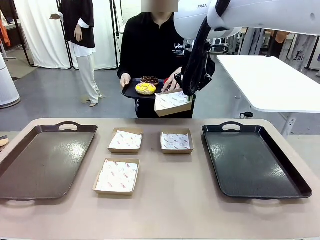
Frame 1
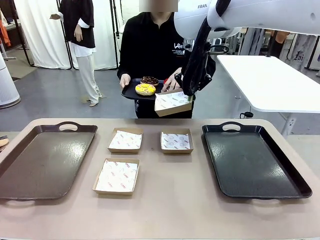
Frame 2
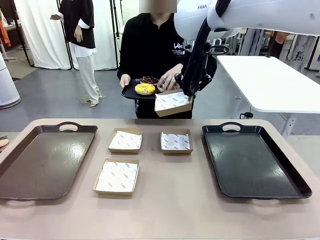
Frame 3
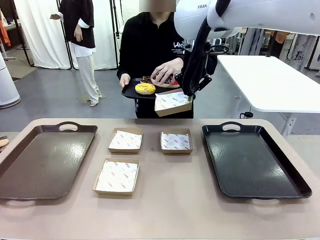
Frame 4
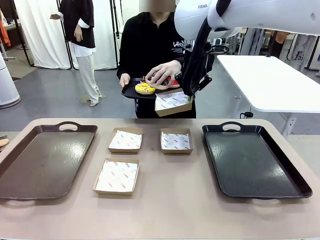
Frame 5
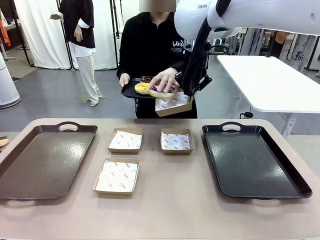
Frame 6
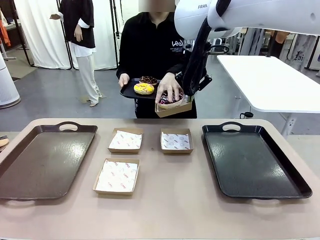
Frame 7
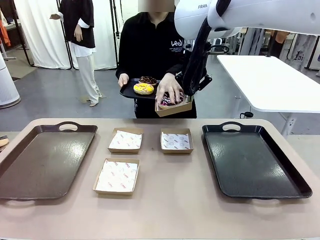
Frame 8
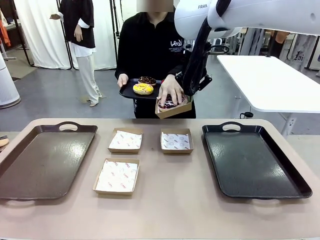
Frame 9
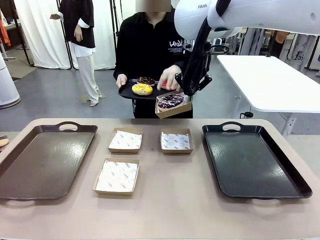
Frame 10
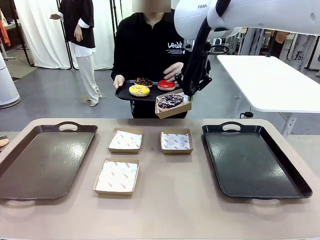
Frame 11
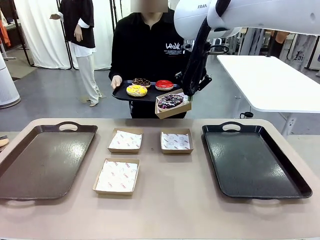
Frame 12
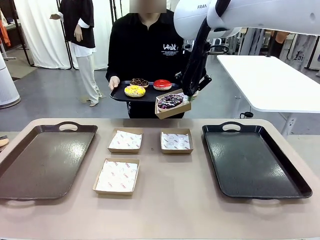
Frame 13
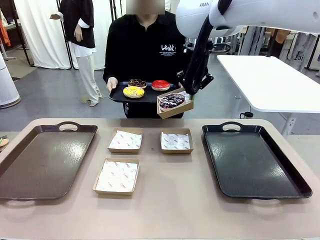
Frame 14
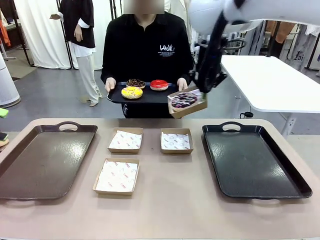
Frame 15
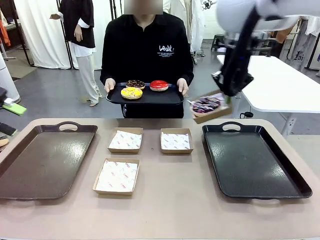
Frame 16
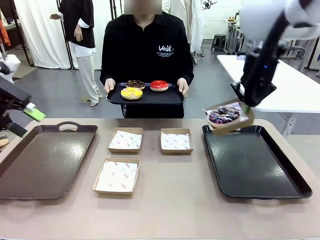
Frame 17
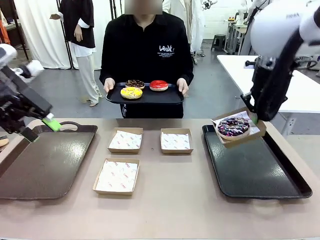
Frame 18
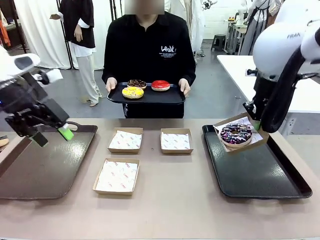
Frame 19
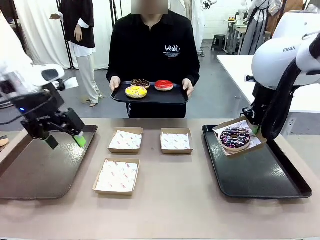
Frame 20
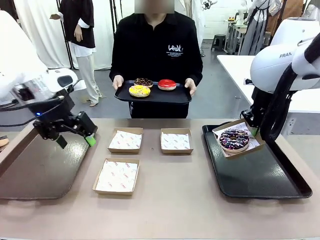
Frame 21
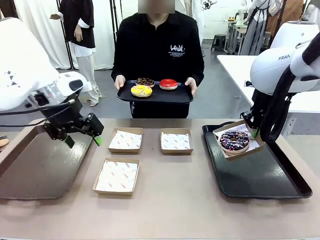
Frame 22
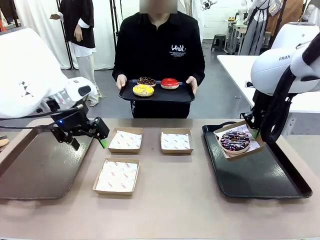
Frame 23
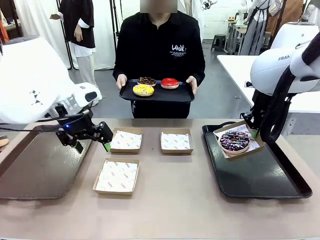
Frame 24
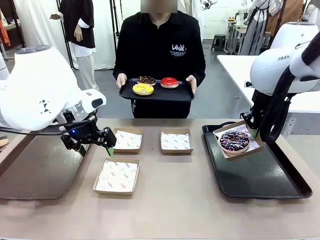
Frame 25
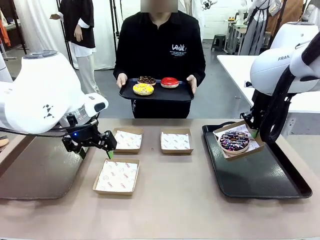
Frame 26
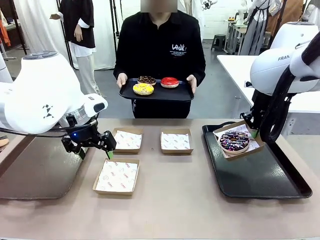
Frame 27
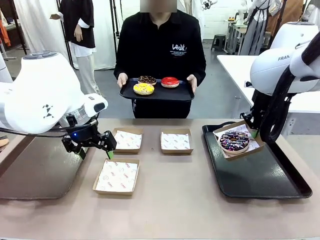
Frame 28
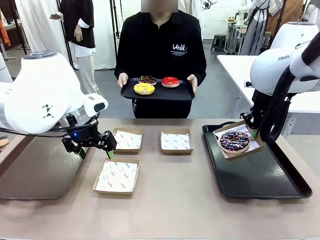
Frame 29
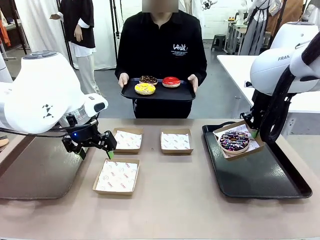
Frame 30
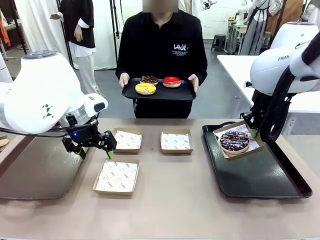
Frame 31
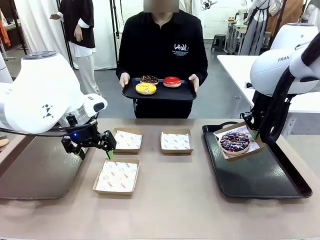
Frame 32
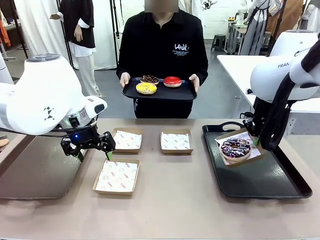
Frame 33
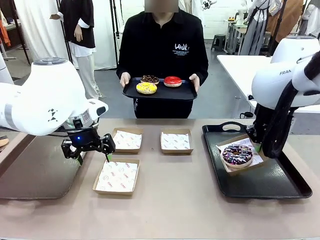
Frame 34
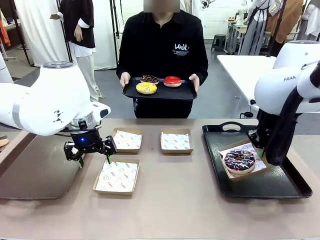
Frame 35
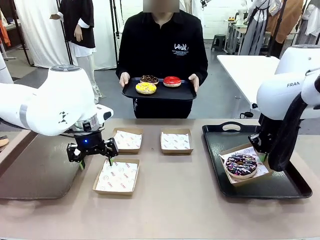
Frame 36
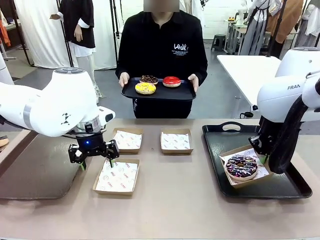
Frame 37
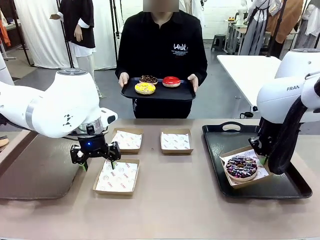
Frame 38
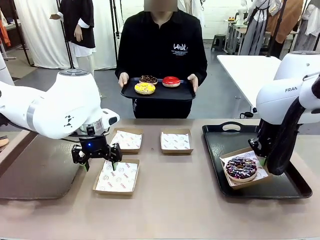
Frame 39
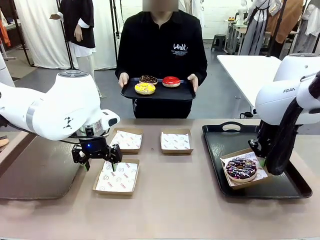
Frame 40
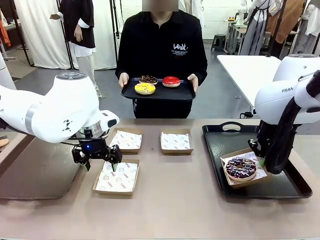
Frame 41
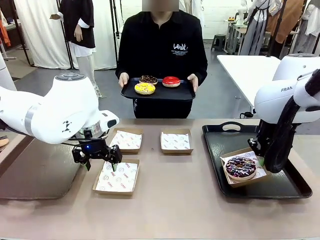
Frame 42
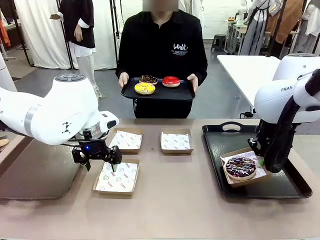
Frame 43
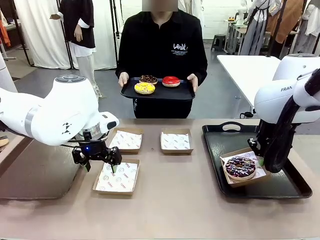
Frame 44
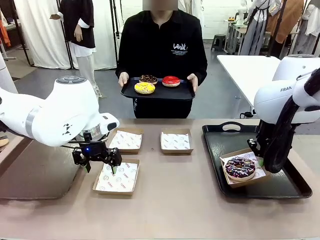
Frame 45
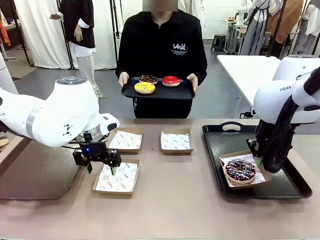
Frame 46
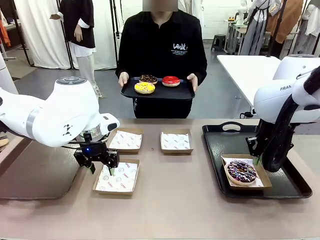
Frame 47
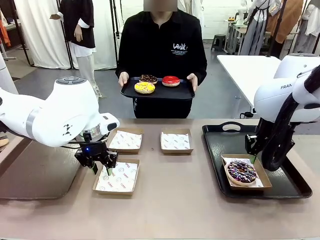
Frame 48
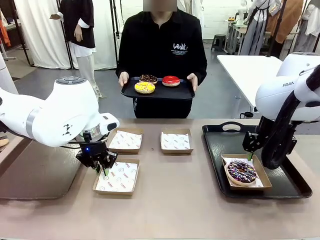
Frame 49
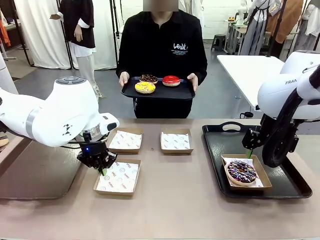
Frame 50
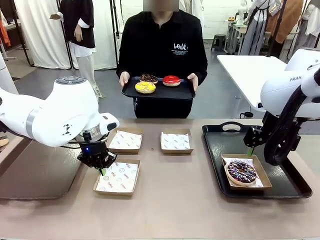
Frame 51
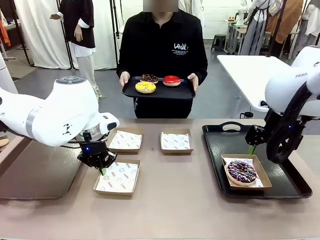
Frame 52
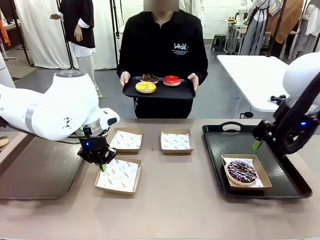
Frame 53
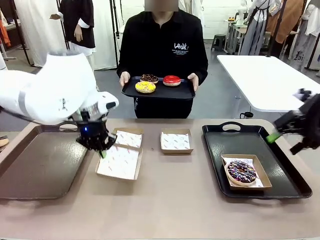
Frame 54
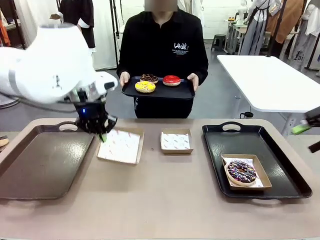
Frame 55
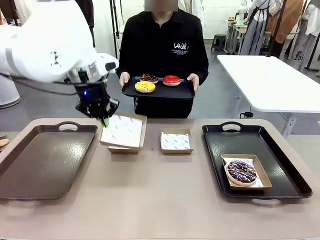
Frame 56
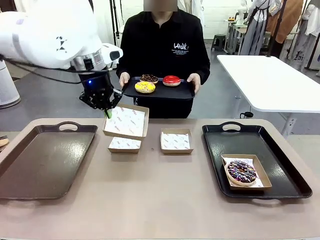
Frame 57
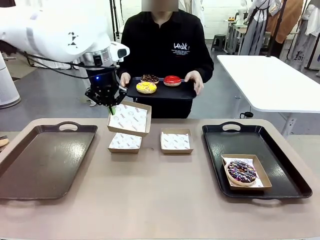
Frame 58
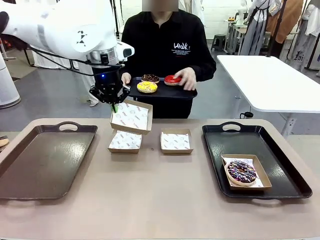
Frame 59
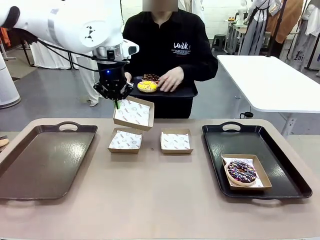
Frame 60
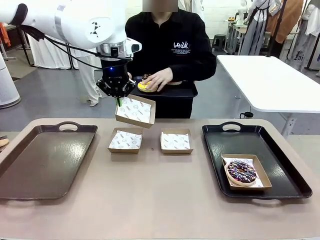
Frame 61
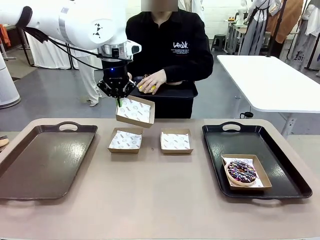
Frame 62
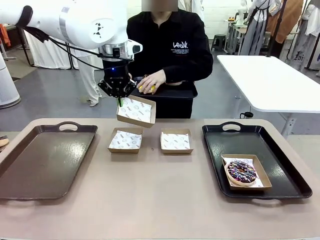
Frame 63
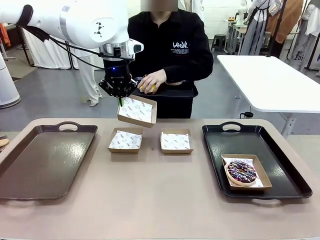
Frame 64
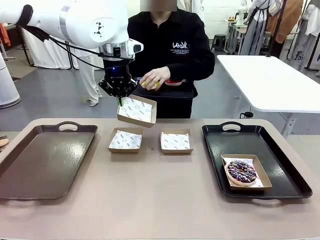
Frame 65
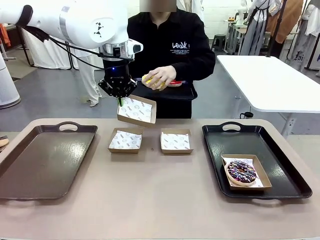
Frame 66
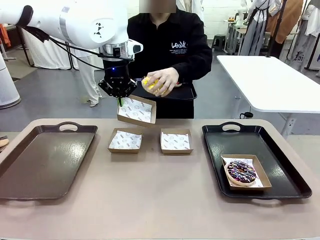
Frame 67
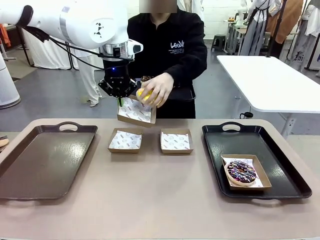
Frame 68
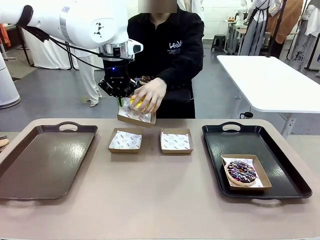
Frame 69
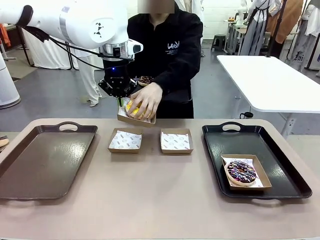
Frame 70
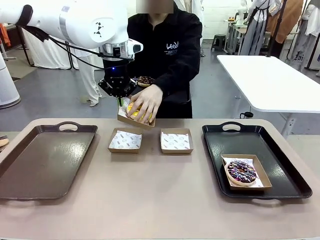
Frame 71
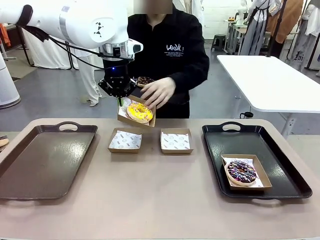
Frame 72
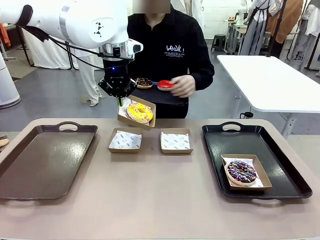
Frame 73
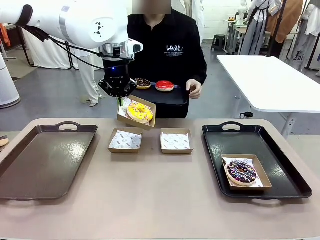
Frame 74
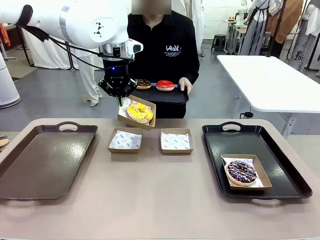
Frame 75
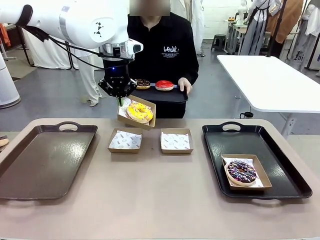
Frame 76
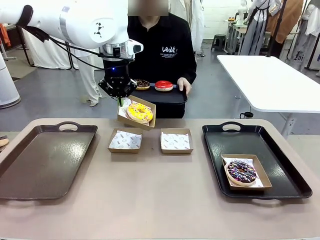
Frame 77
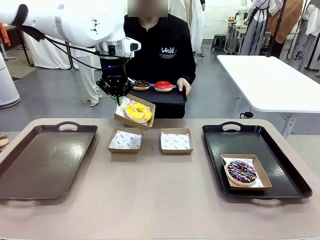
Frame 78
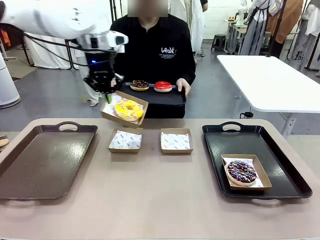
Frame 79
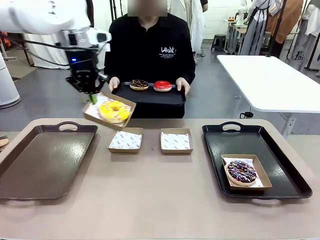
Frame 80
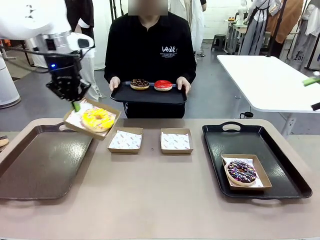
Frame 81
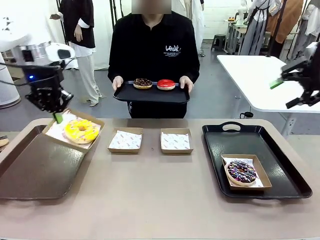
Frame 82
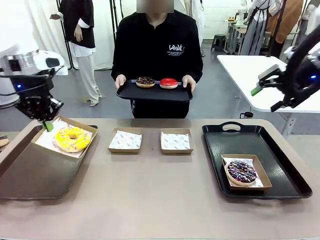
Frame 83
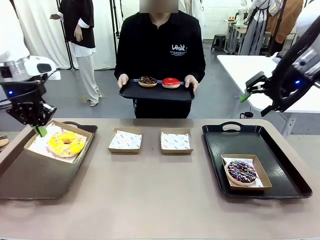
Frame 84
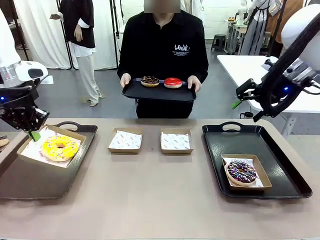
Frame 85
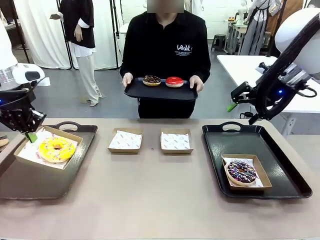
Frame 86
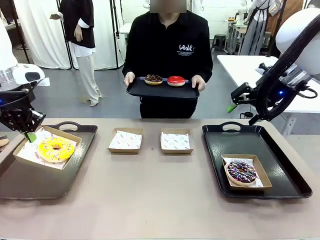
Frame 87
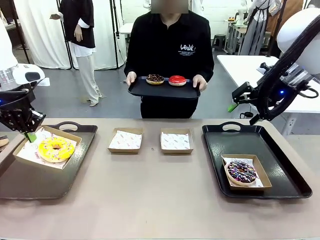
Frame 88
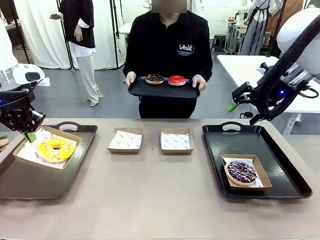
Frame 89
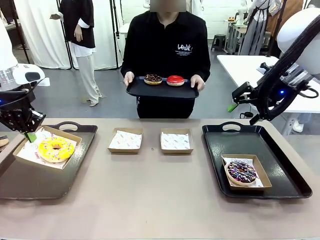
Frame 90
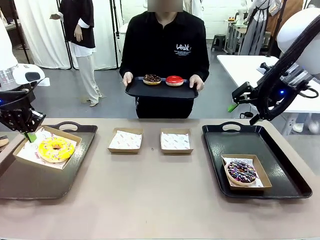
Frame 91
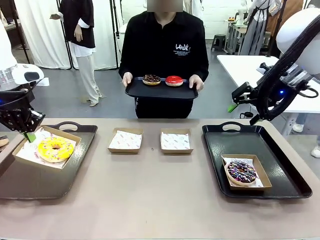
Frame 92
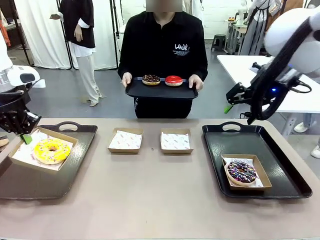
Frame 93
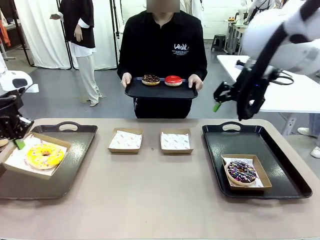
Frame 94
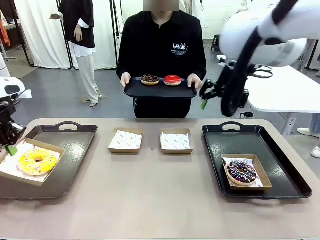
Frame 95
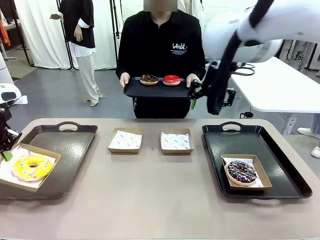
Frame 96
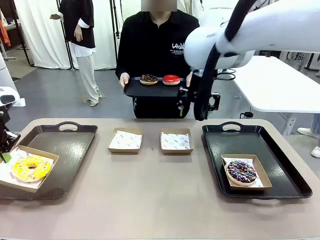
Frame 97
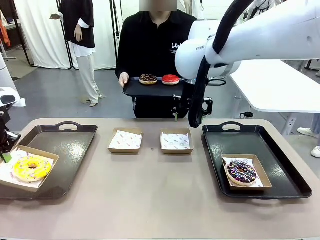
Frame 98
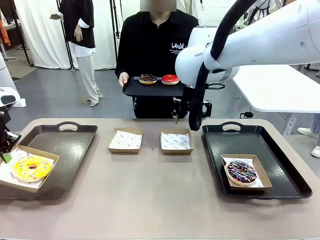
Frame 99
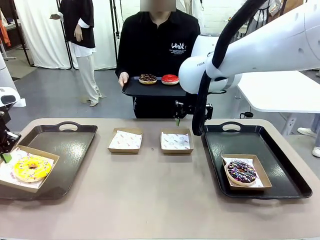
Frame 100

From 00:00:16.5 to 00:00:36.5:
Task: Individually package the donuts and arrange them on the tray.
Robot: Place the picked Paper togo box on the Handle tray while simultaneously picking up another Paper togo box from the table with the other hand.
